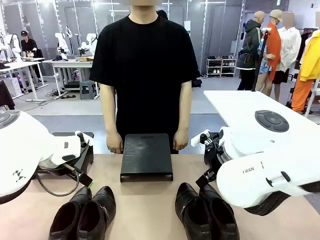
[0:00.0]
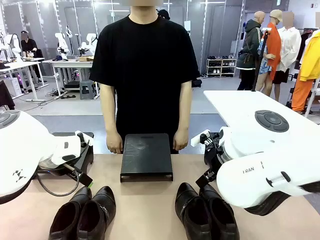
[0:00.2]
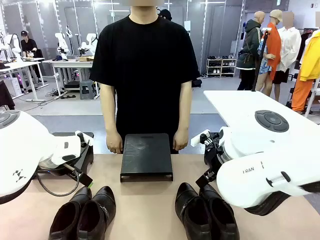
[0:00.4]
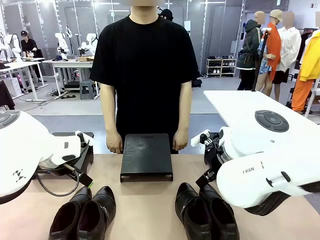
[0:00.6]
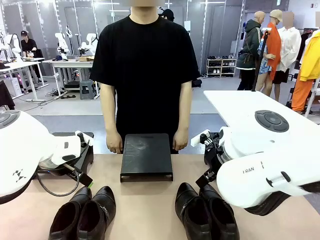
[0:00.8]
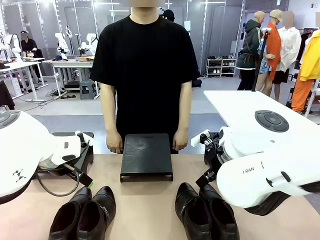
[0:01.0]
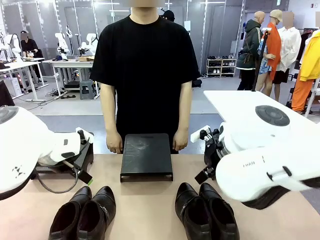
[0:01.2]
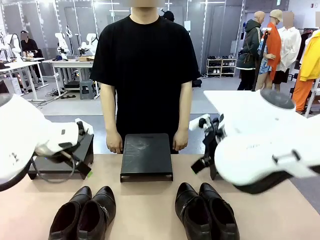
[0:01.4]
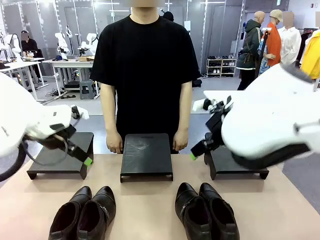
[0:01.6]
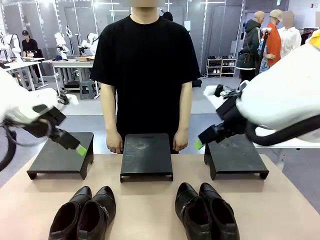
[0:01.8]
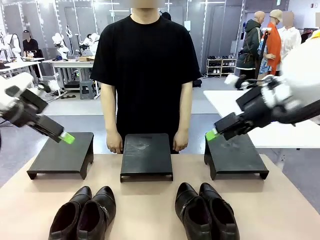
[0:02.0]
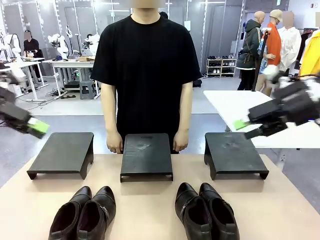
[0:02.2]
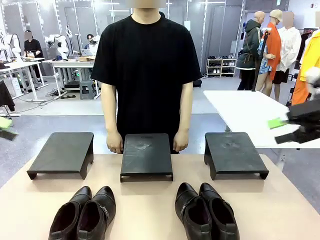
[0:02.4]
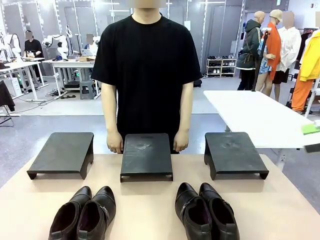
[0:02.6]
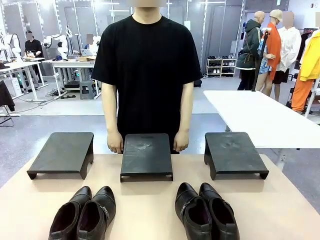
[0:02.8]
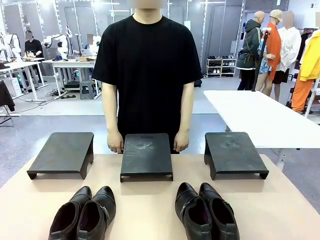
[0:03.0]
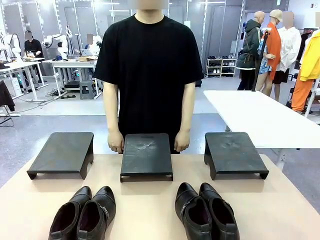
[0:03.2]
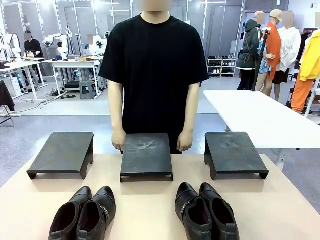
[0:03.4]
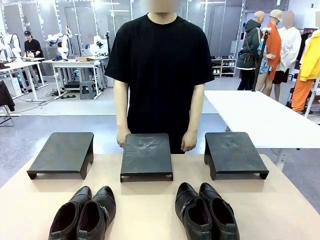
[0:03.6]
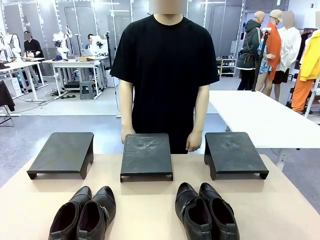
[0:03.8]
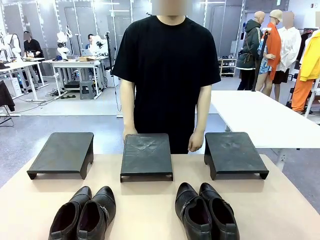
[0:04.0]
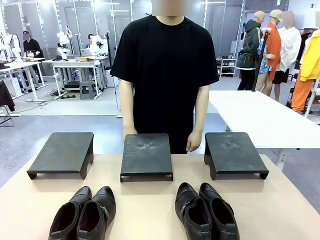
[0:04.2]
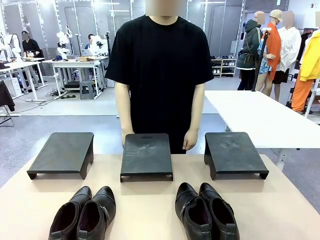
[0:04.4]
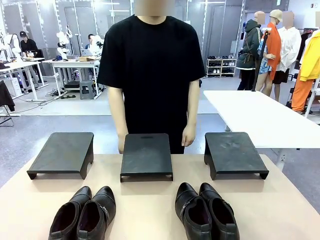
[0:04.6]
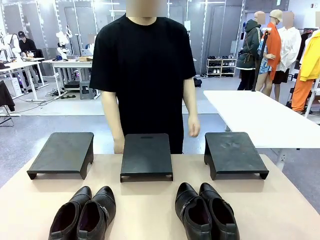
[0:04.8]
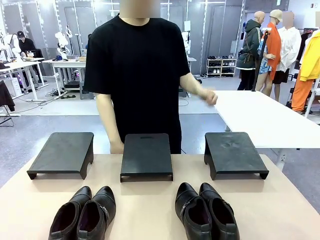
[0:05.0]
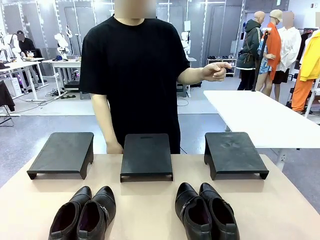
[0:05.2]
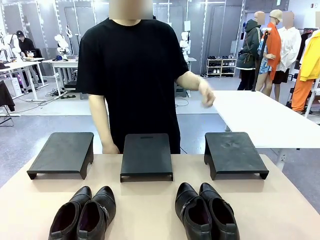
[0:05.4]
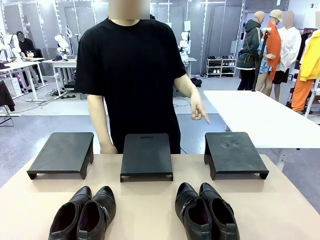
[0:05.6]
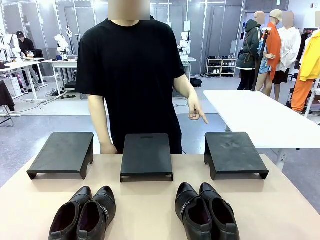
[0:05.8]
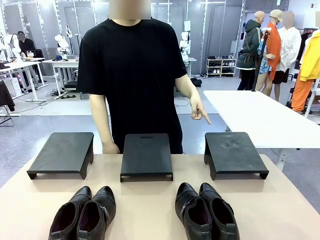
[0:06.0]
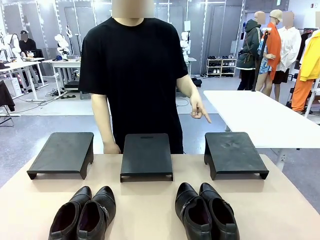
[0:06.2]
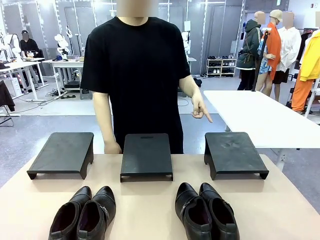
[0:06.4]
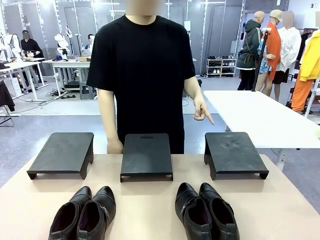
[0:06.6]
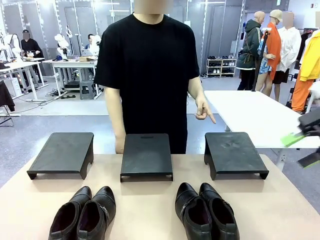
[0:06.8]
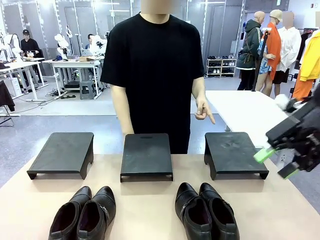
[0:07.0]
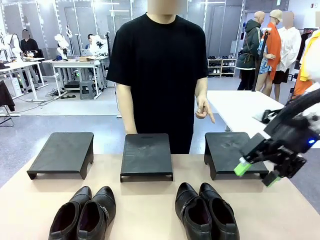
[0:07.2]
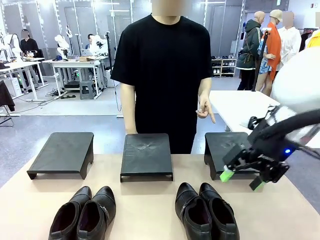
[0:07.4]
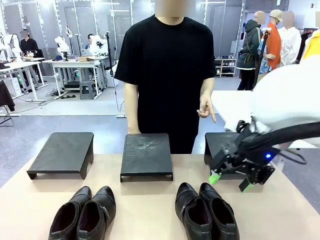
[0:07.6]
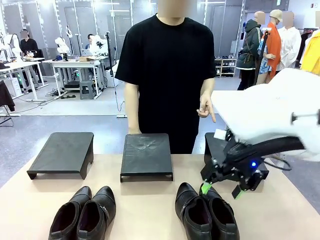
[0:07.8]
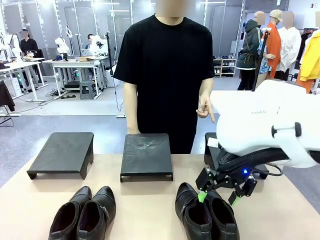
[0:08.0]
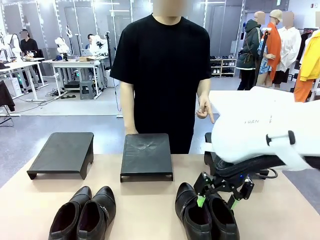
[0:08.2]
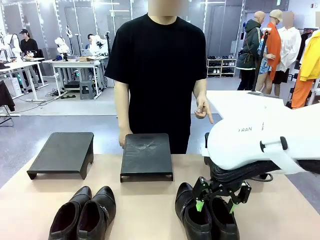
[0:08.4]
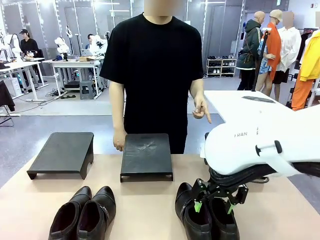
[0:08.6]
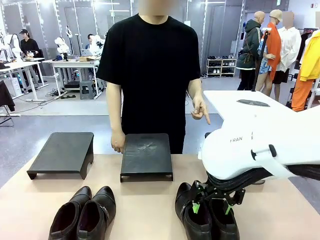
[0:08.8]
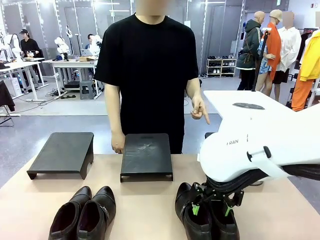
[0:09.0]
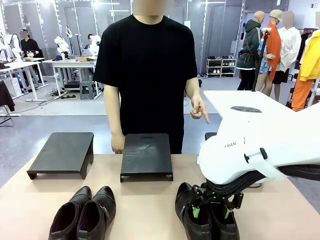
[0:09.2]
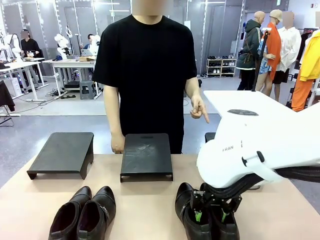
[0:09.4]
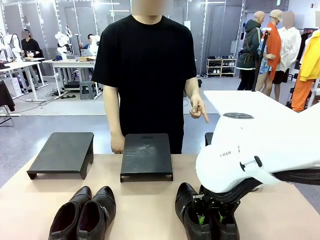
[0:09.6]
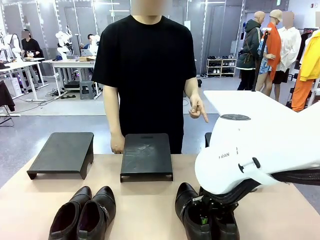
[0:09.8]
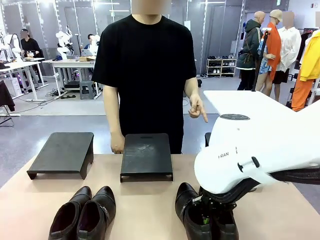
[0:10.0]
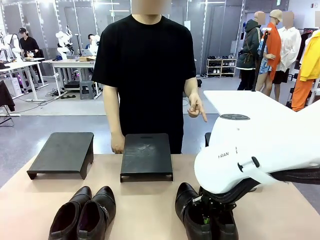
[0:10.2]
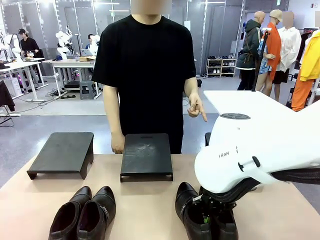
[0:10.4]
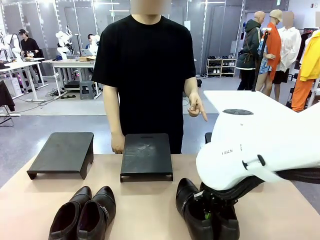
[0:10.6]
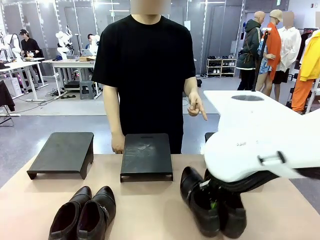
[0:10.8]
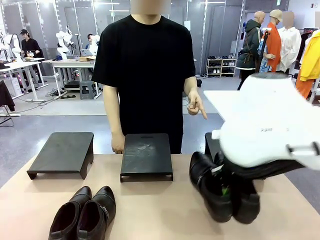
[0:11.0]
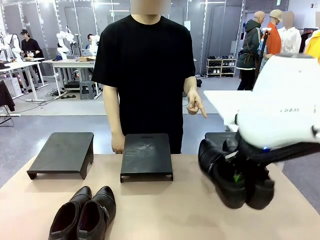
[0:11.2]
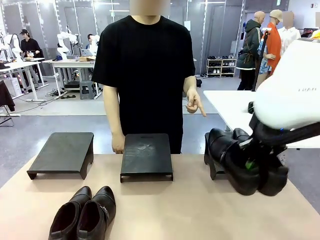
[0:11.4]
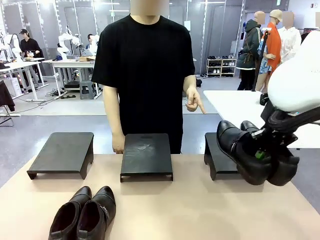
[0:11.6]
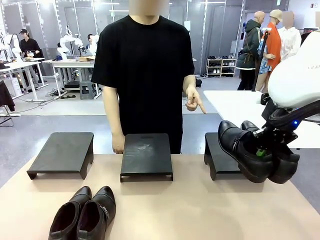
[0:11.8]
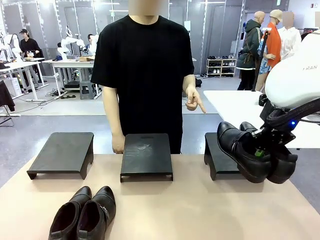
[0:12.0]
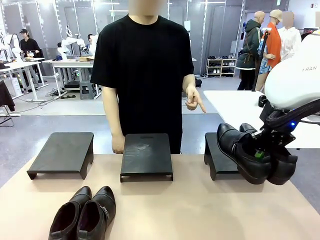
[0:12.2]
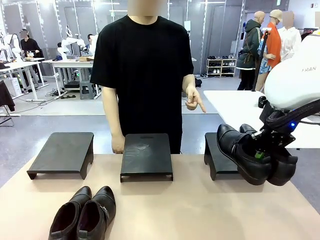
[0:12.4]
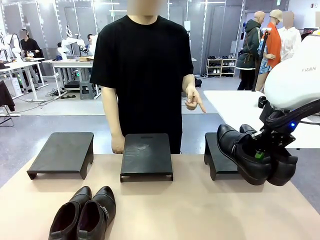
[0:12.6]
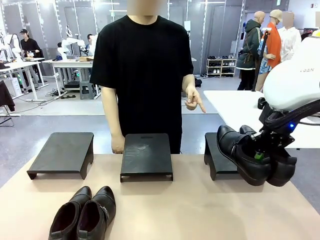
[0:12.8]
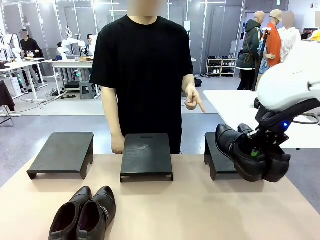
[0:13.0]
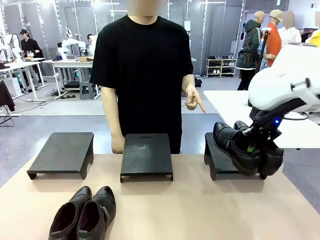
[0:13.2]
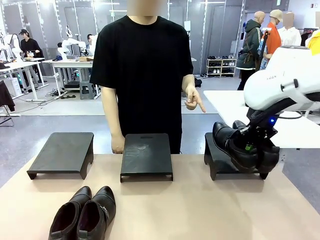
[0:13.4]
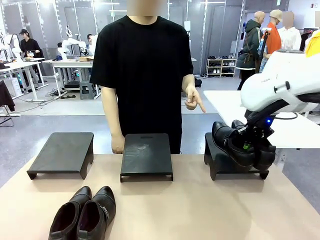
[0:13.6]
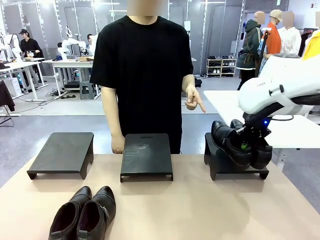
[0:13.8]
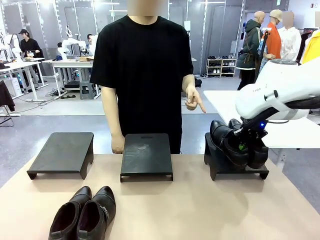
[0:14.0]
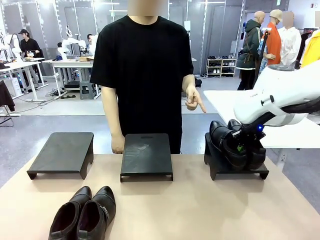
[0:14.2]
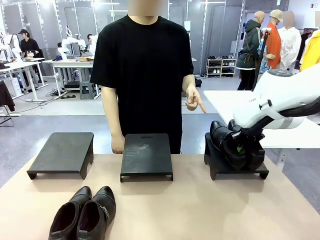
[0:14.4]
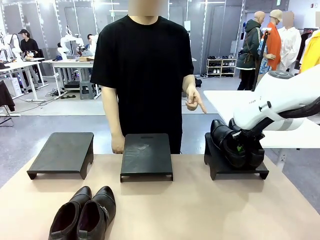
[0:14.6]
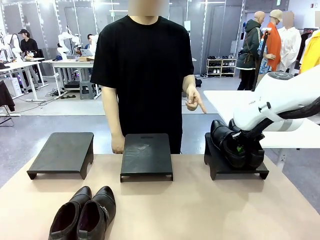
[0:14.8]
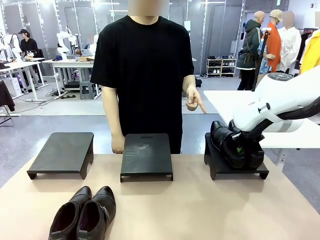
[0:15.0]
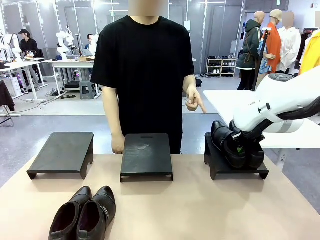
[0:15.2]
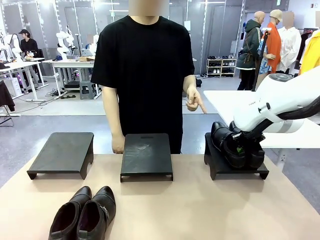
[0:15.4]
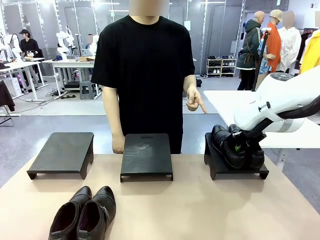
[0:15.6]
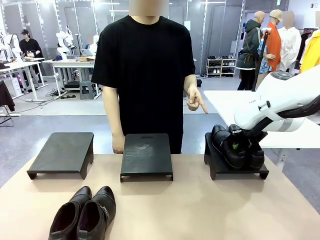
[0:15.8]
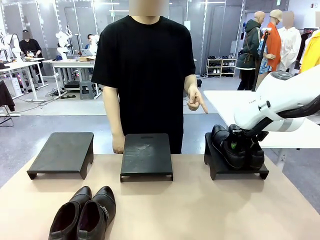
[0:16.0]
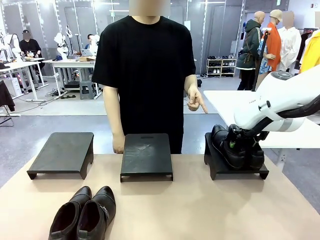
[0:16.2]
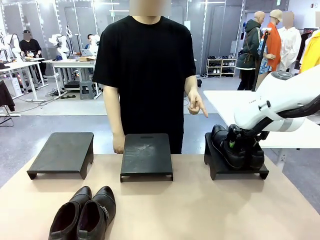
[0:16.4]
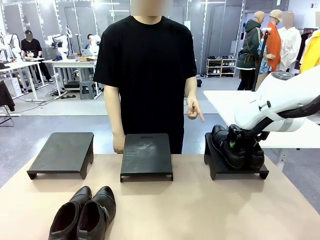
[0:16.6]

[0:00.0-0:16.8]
Task: Place the shoes on the stand as instructed by the person.
Robot: Pick up one pair of Shoes and place it on the Shoes Stand indicated by the person.
